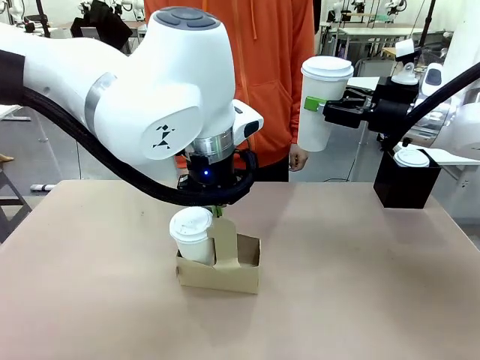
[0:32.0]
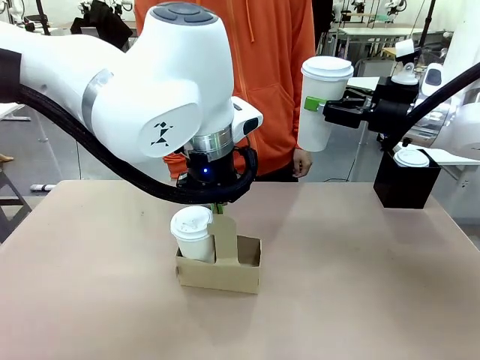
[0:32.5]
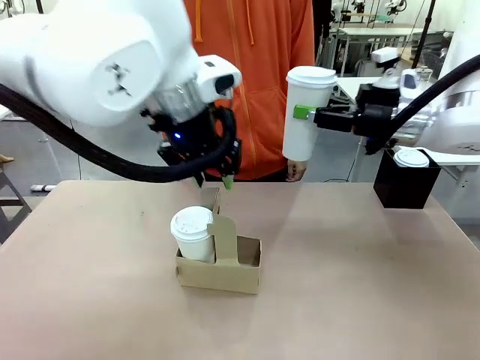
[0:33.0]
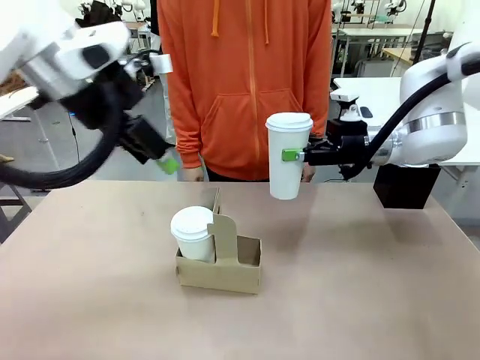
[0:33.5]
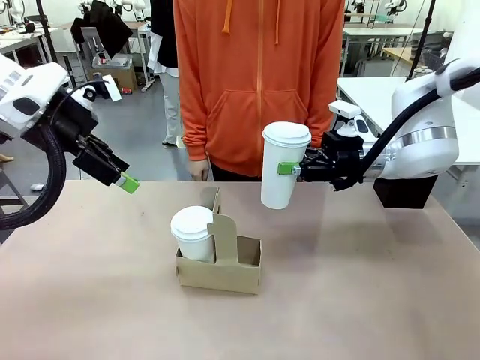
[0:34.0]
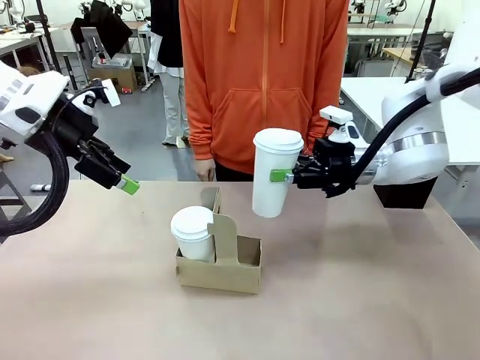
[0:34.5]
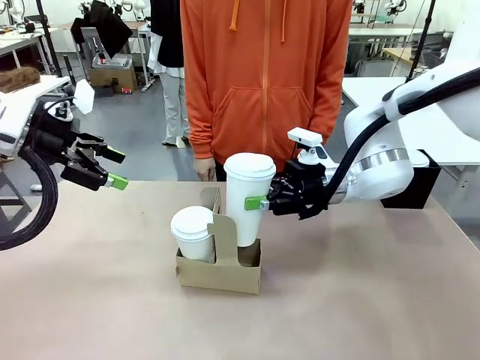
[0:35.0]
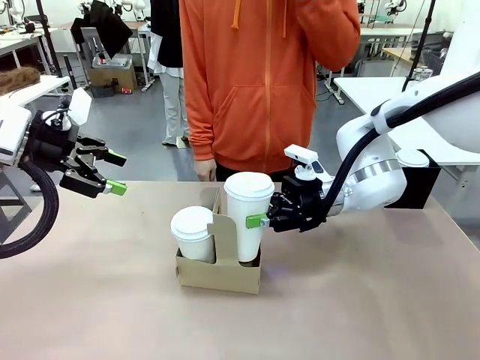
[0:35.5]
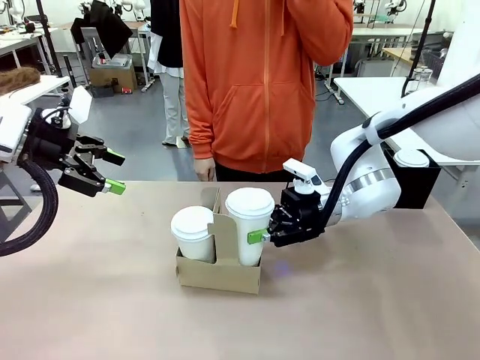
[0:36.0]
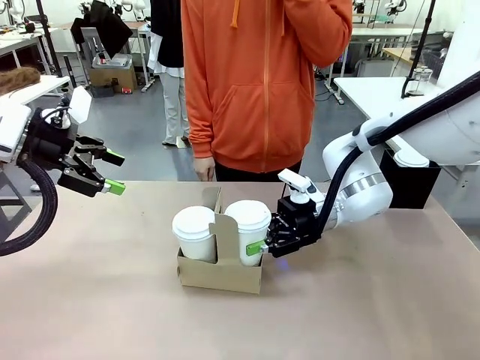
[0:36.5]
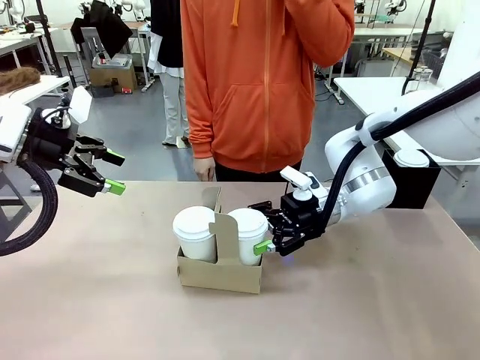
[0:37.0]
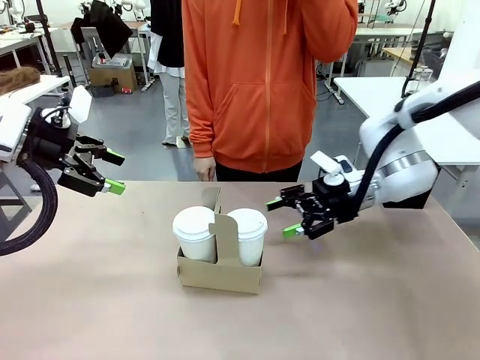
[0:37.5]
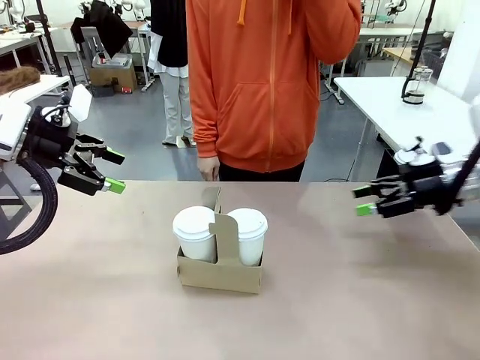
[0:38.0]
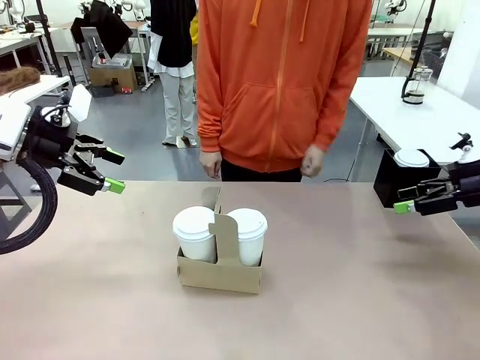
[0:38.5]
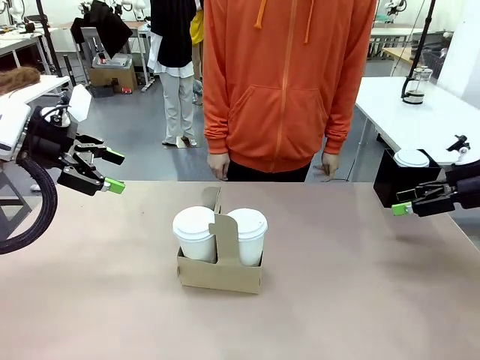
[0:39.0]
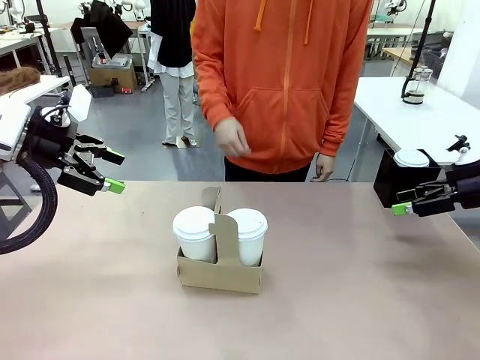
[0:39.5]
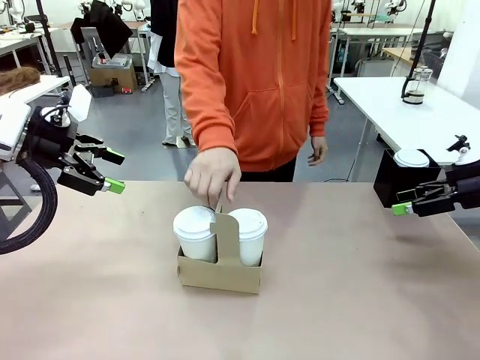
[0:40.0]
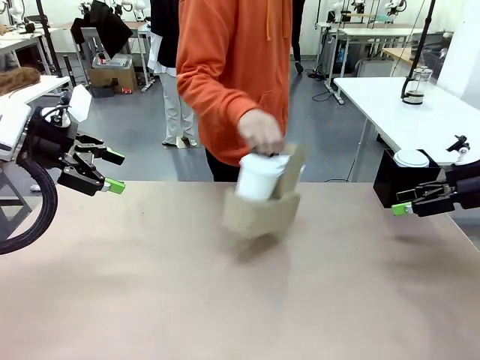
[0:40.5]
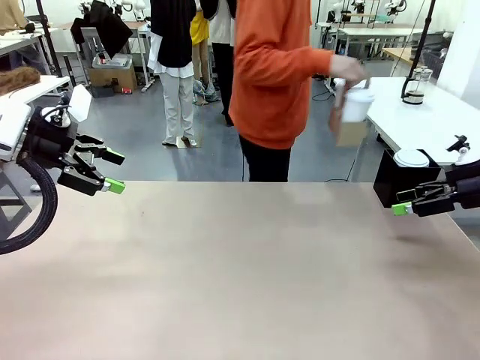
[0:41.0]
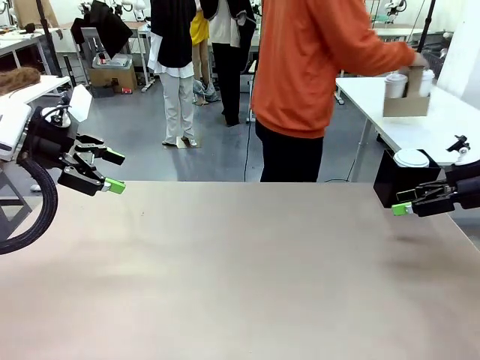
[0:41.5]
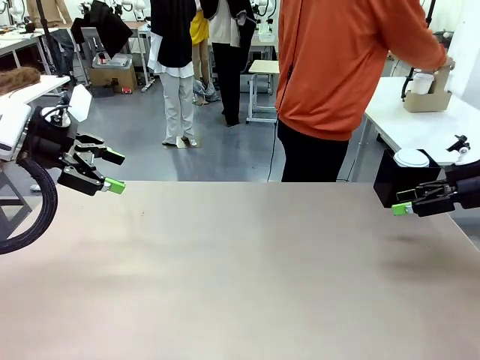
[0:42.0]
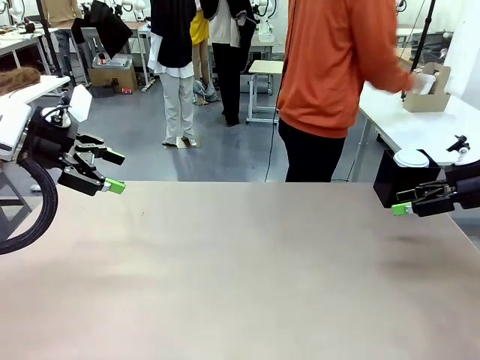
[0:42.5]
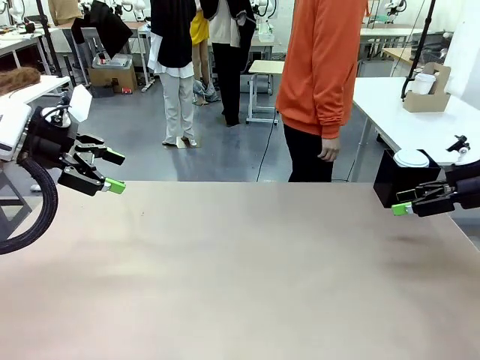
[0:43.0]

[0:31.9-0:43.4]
Task: Pour a drink into a cup and package it in a carrier.
Robot: Insert the held 600 ml Paper Cup into the Cup Carrier.
Person: Place the Cup Carrier to the middle of Human table.

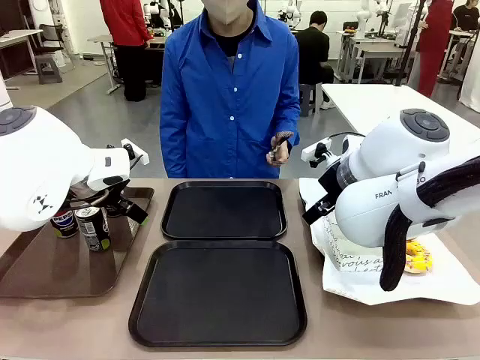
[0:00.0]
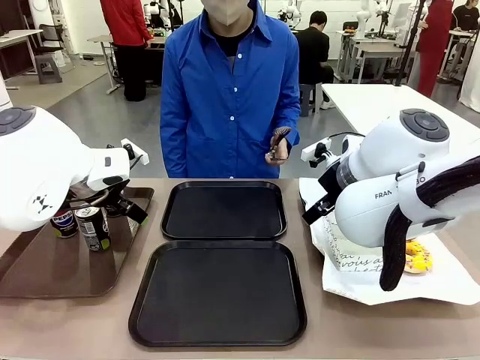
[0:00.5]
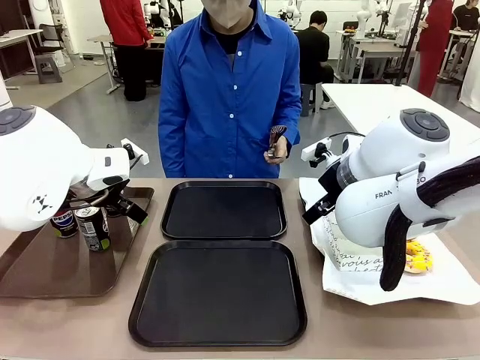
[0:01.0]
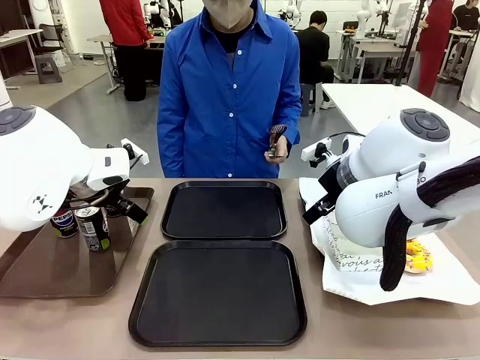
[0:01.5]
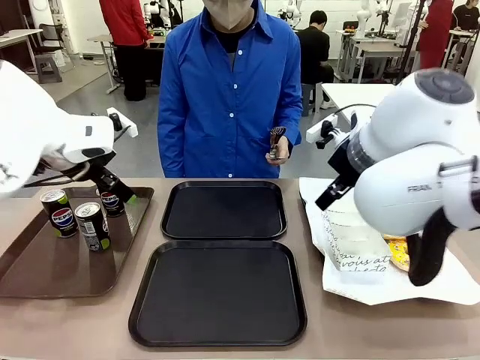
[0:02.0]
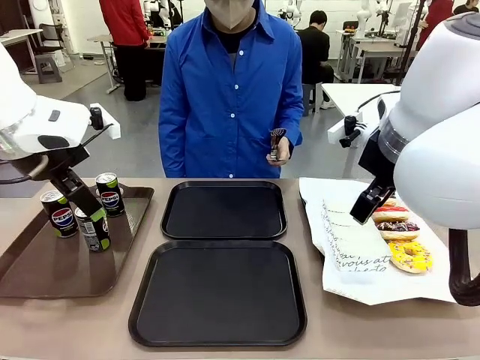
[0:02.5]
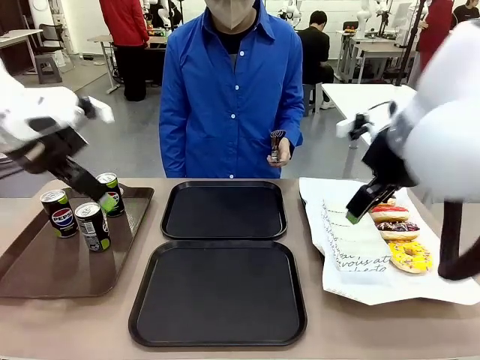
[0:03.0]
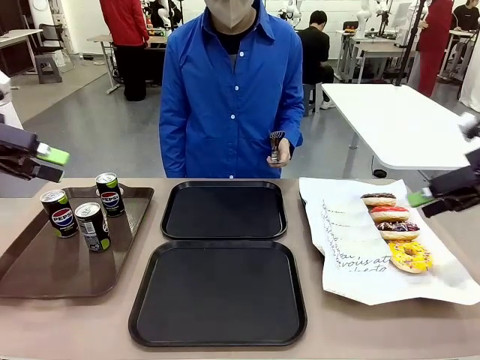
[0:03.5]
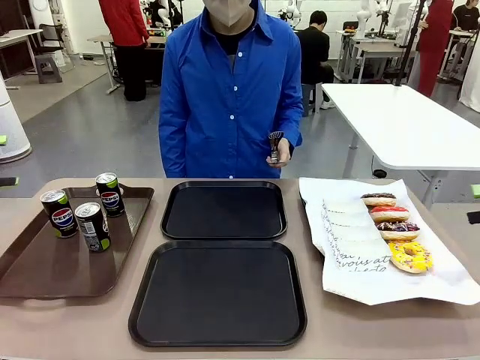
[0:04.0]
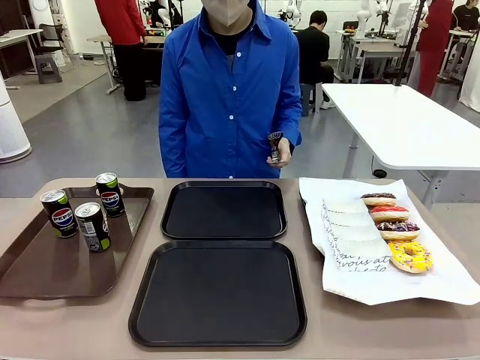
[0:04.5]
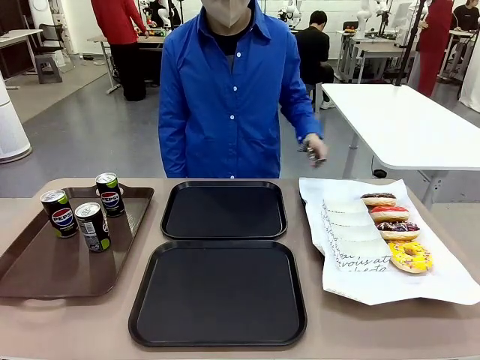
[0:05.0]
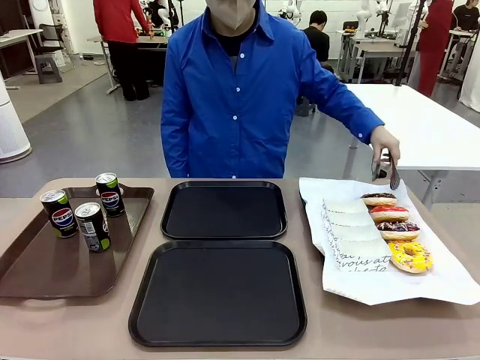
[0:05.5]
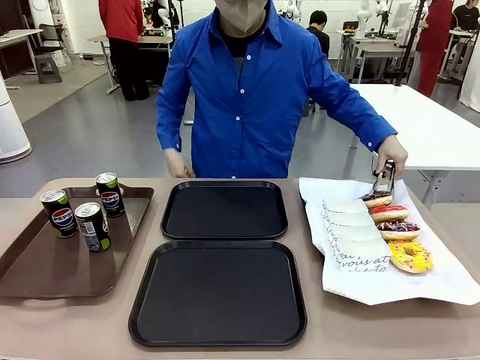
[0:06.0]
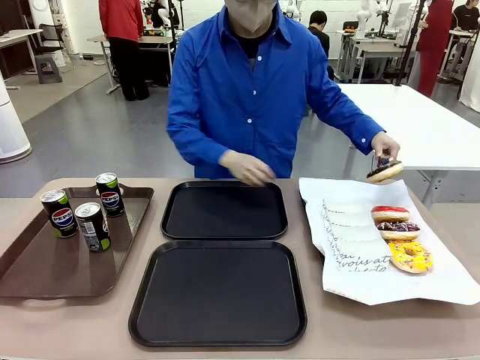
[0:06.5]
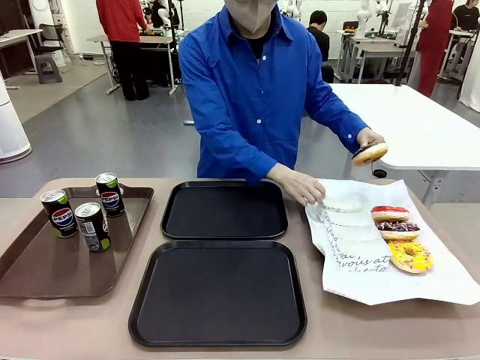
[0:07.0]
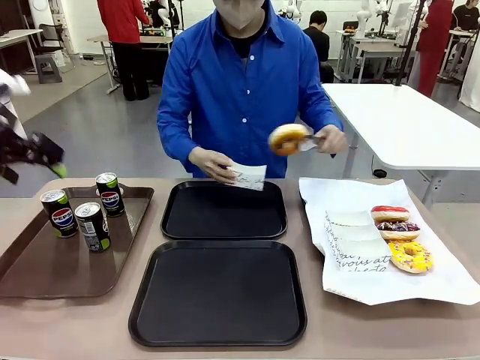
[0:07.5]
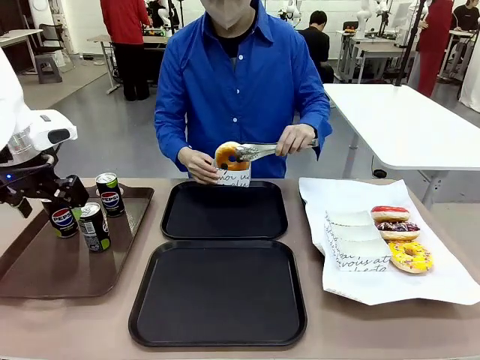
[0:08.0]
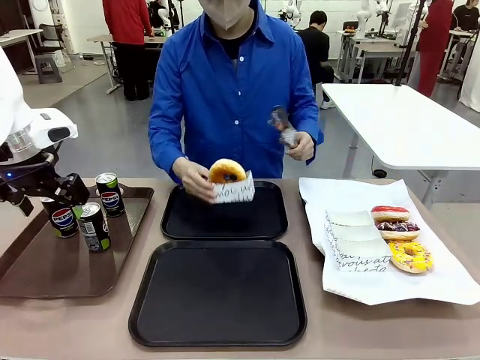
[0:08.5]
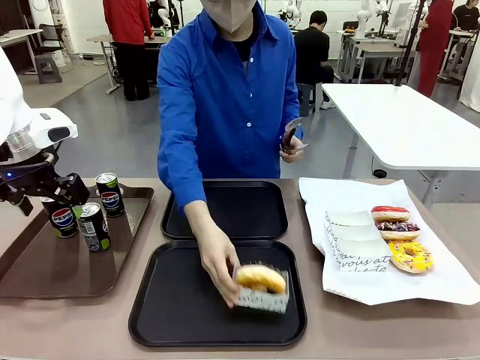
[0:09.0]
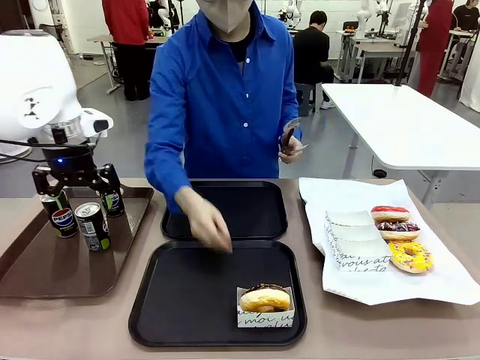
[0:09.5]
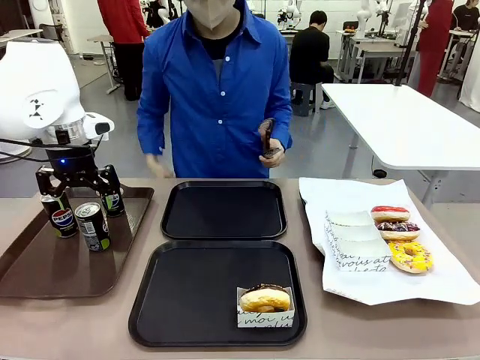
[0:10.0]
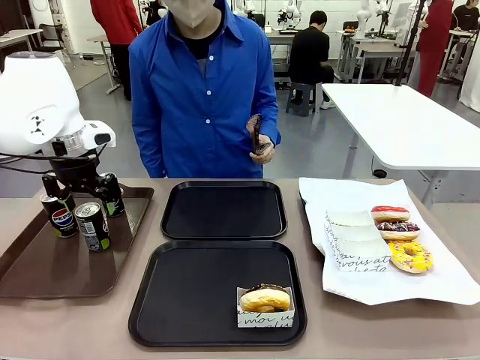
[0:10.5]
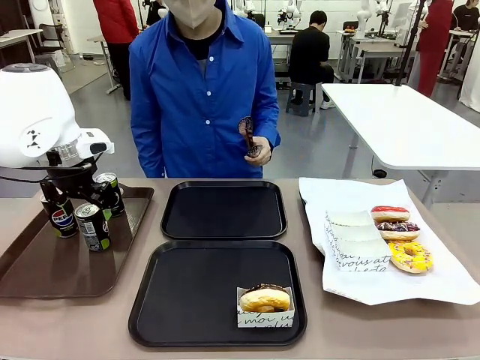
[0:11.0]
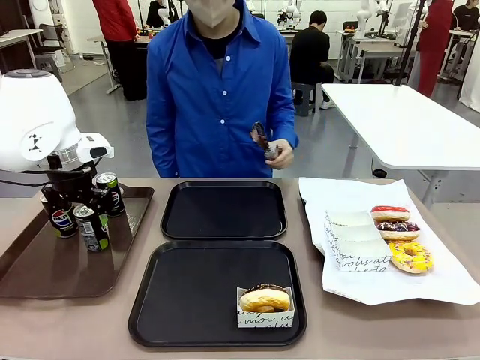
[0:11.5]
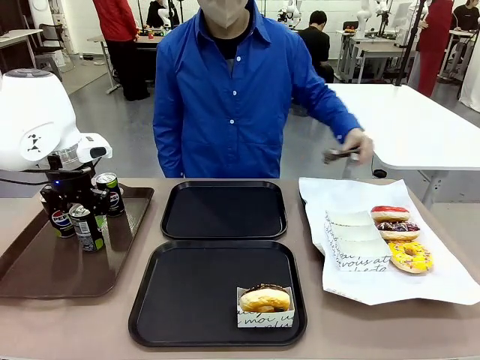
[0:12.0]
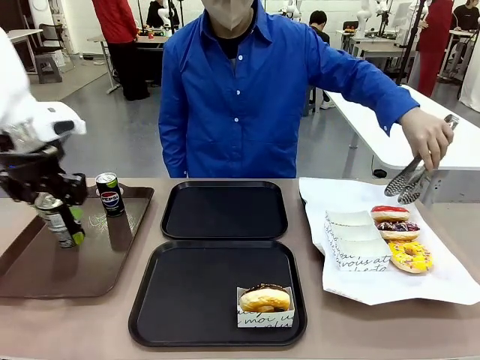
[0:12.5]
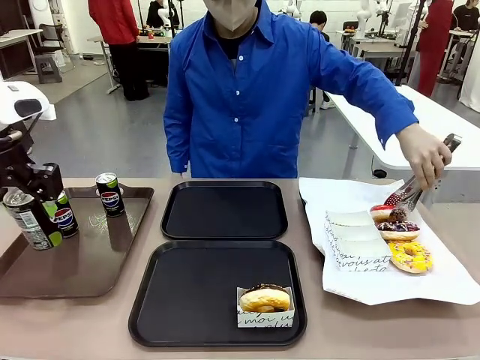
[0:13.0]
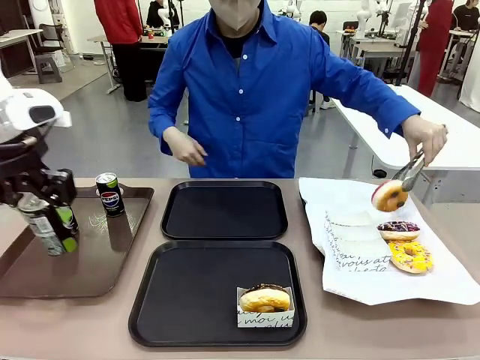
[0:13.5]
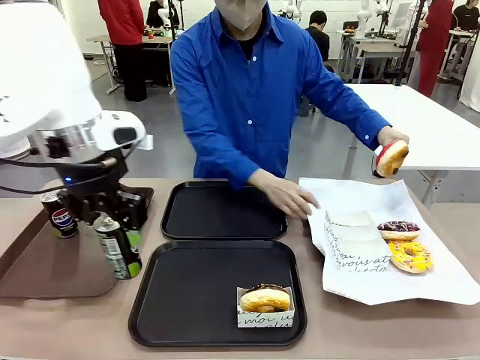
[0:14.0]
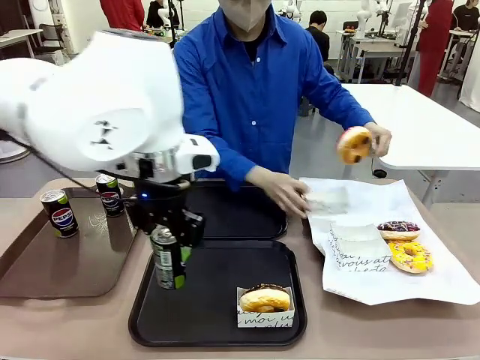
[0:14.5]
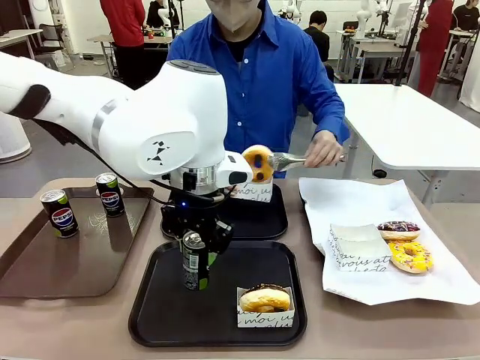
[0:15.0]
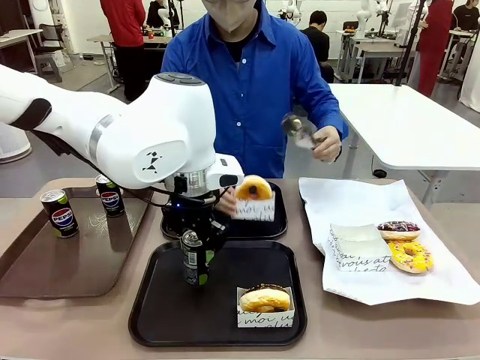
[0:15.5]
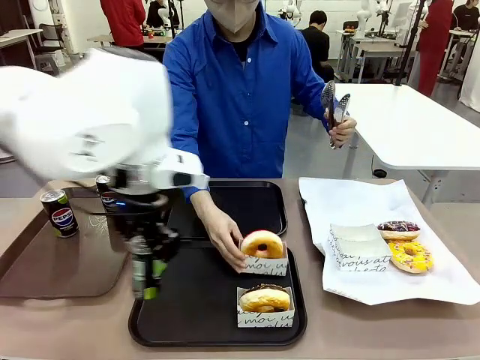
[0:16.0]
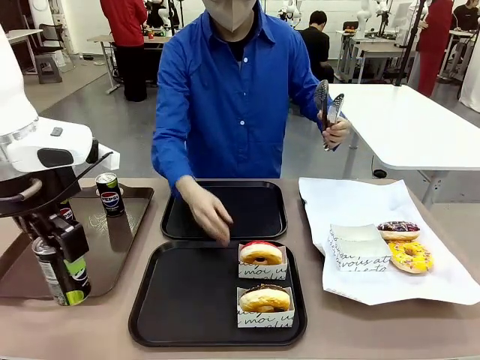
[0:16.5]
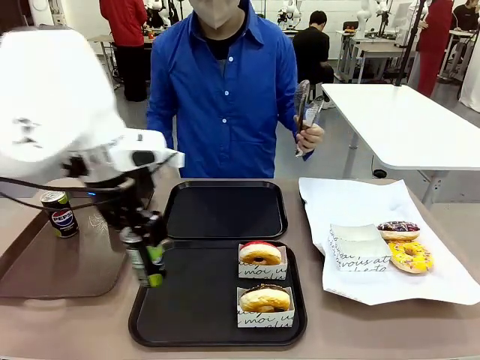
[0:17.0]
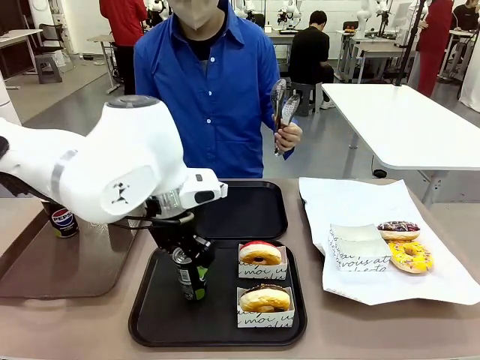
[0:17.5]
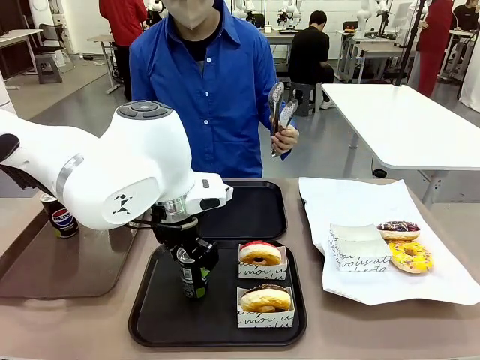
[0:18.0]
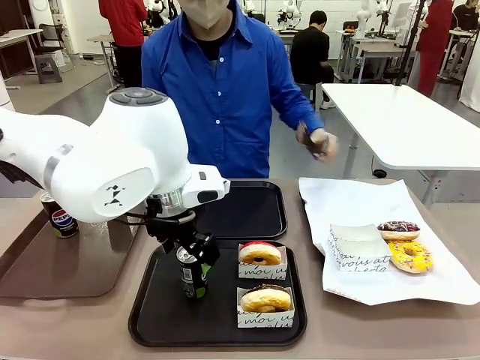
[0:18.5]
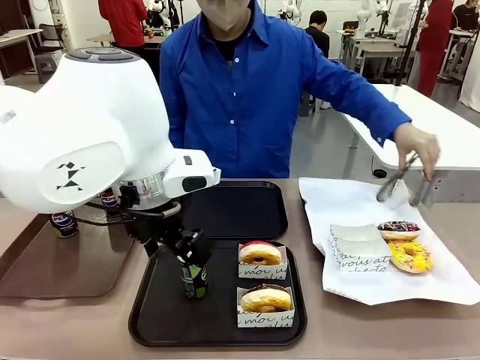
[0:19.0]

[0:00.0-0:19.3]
Task: Set up donuts and drinks on trays.
Robot: Pick up one Pepsi coke and place it on the Flat Tray.
